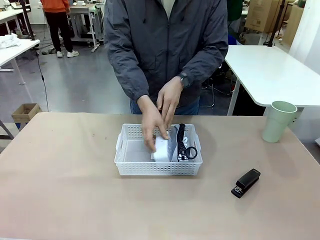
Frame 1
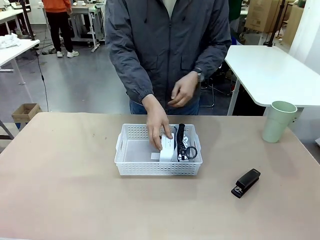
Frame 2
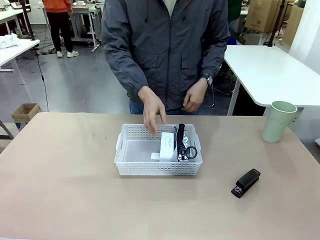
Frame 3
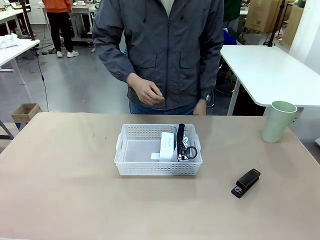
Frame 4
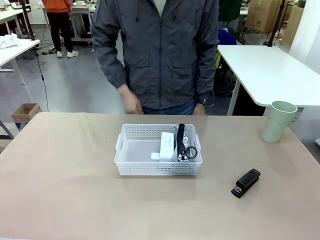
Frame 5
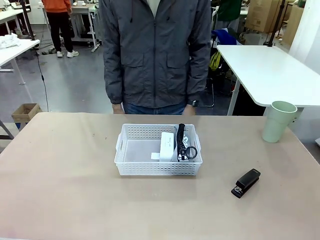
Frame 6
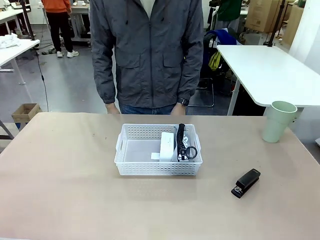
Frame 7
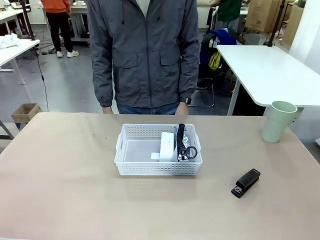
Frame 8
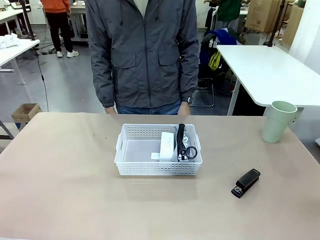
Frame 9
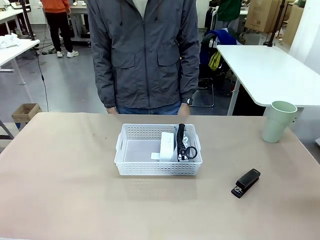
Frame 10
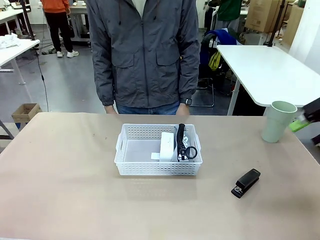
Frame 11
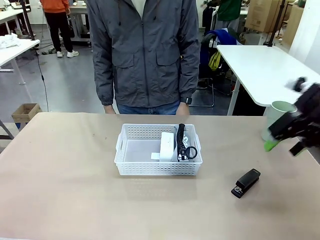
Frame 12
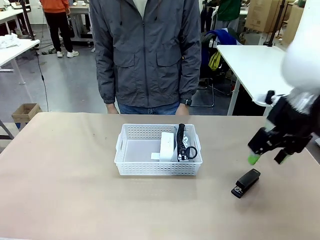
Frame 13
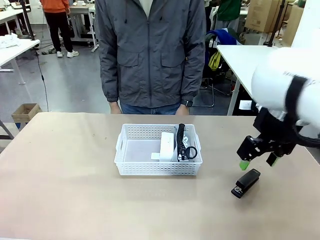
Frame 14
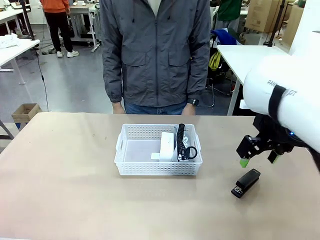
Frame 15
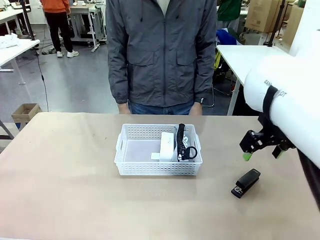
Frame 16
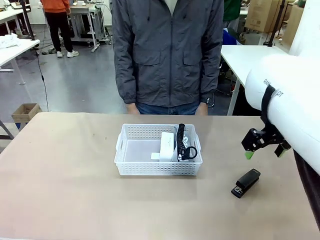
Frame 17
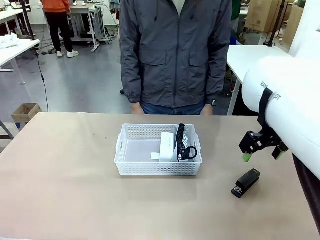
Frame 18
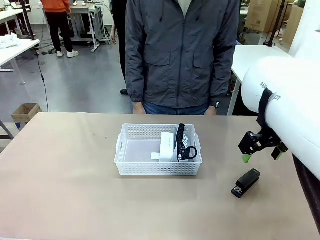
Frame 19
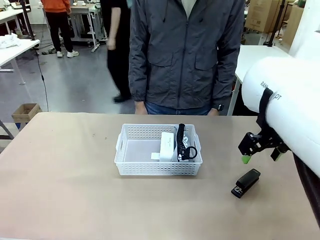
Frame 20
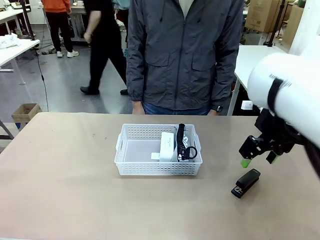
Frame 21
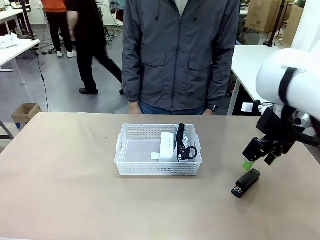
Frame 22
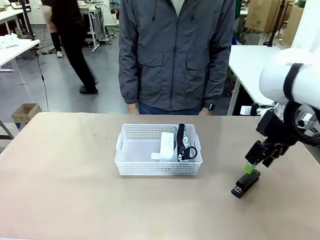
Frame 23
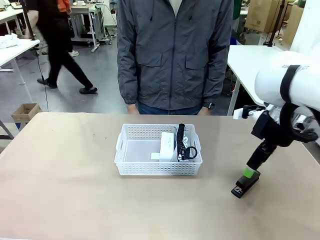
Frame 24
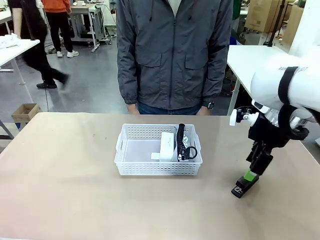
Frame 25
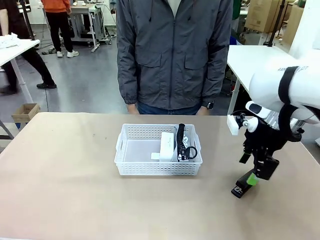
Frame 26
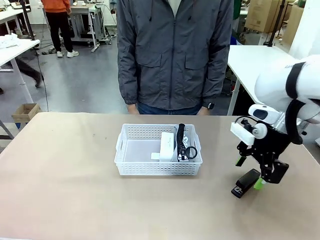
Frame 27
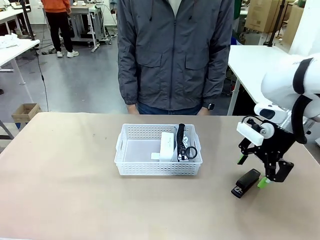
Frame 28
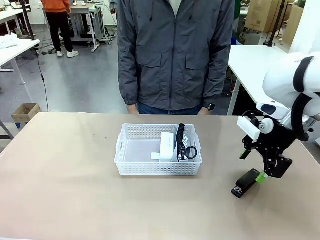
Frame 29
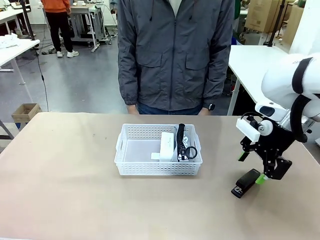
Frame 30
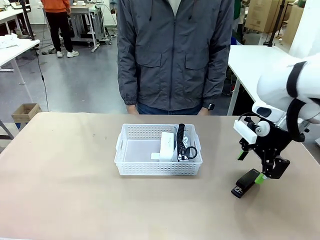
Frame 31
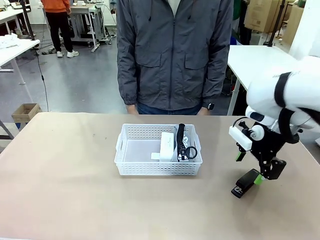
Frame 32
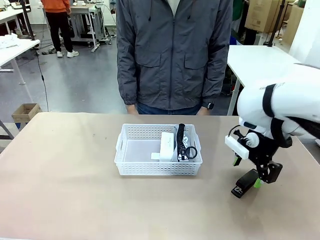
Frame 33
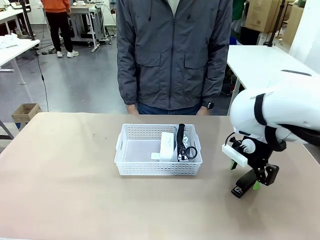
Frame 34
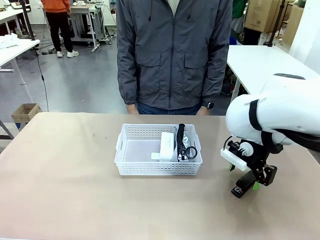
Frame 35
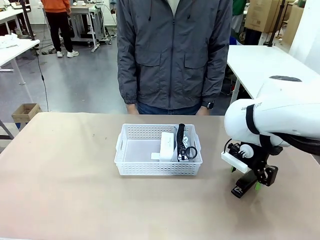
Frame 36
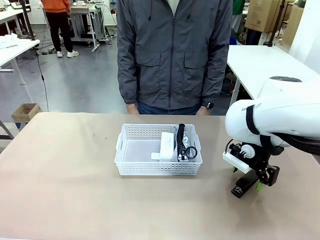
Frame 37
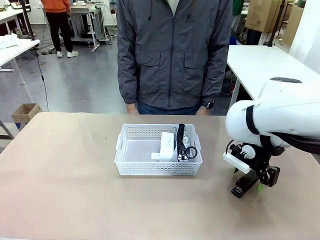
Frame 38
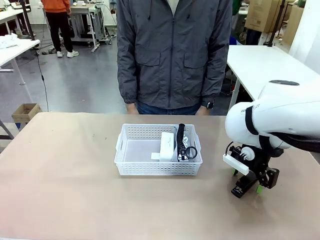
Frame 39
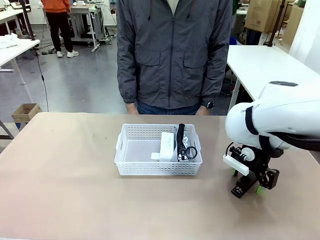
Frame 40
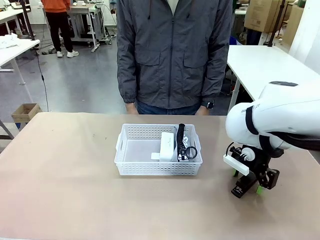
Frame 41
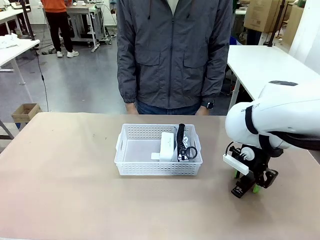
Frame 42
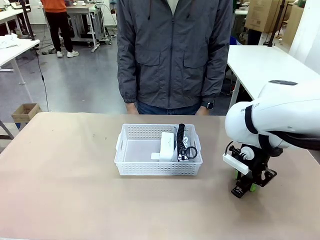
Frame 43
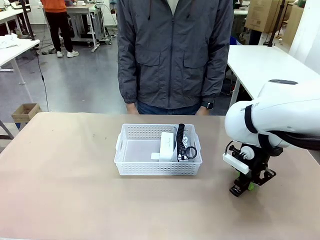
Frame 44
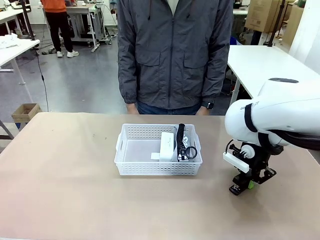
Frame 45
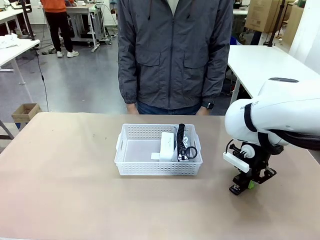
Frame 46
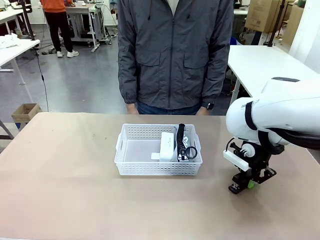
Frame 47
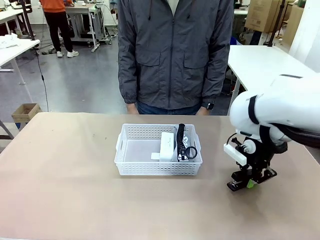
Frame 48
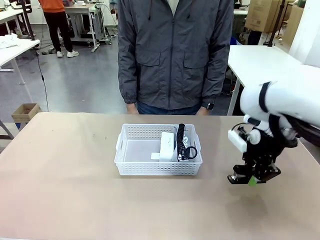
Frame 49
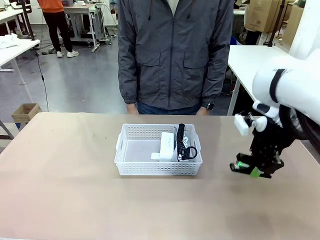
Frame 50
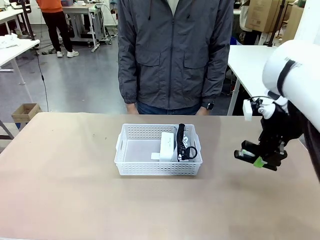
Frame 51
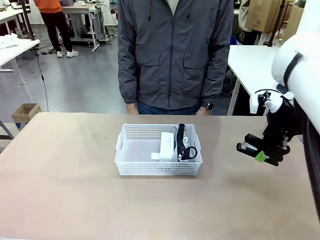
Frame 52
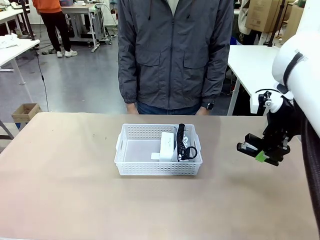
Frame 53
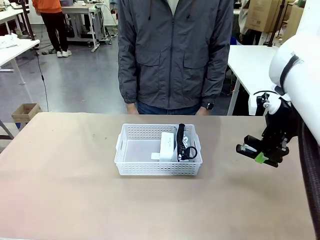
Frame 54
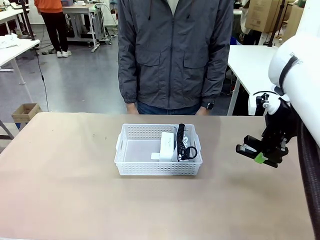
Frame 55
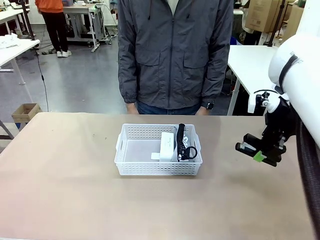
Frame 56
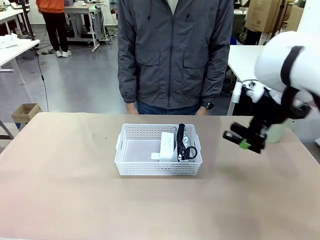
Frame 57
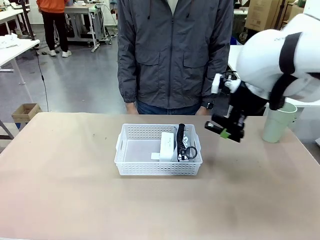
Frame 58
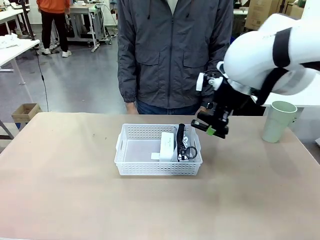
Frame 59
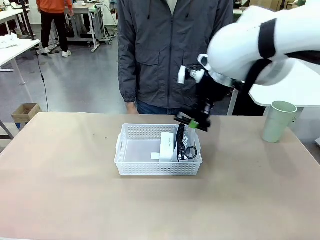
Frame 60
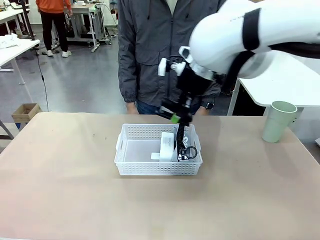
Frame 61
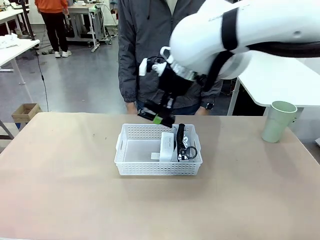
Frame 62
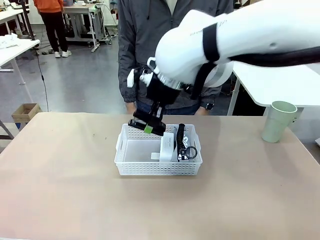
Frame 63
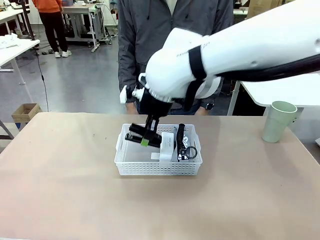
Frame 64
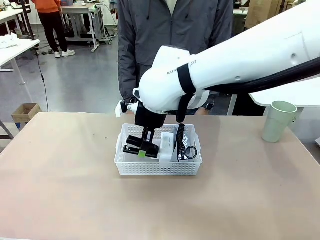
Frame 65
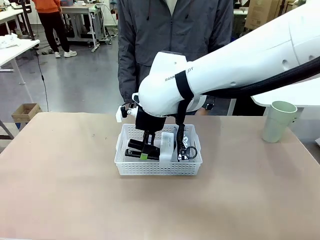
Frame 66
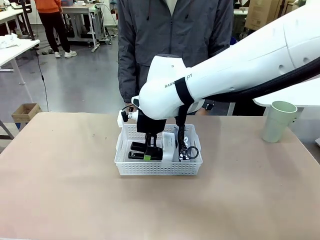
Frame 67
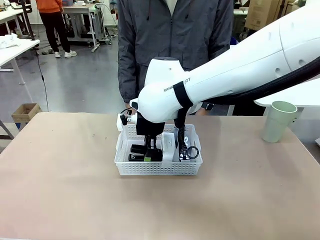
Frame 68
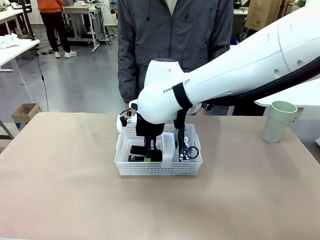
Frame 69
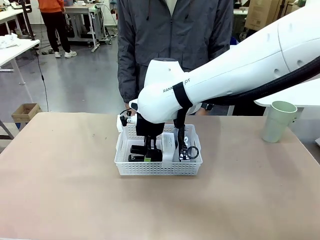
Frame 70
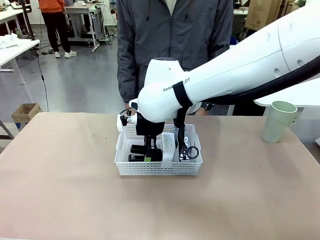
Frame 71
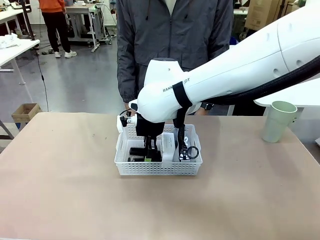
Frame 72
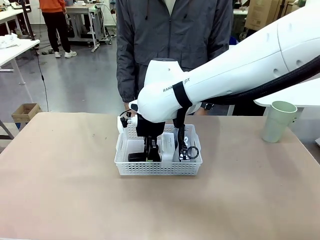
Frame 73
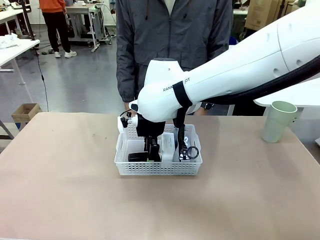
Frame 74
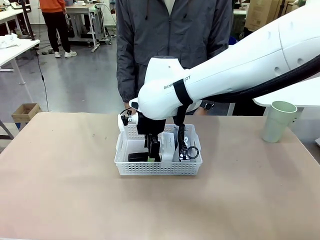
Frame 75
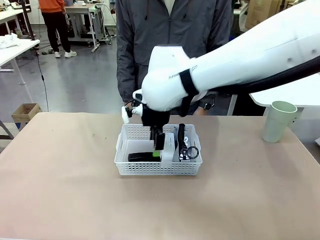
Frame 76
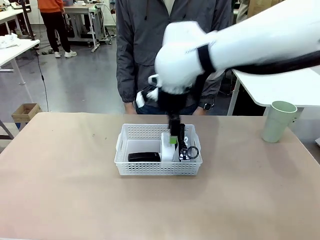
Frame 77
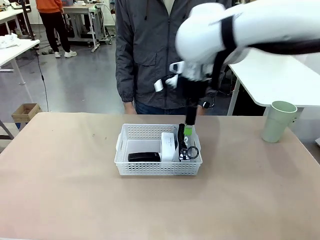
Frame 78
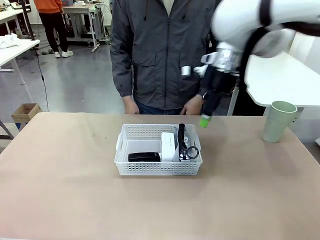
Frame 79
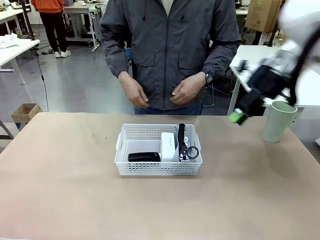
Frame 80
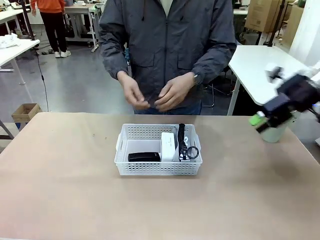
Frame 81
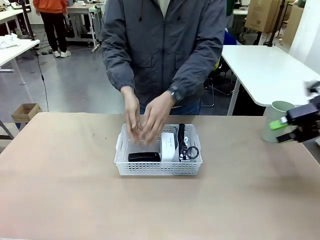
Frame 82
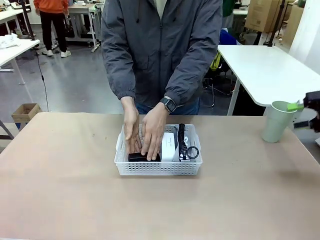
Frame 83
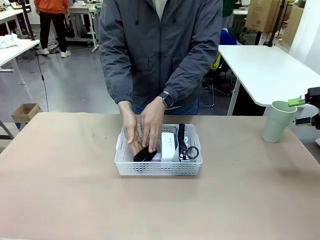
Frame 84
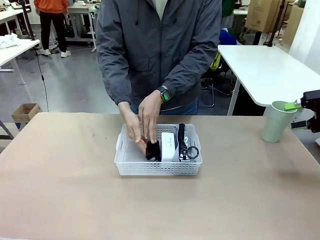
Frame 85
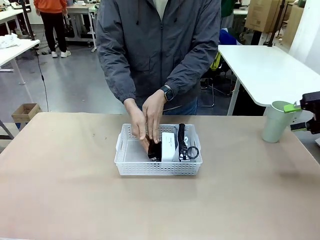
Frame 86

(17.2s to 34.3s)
Task: Efficiently arrange items inside the basket to fit them all.
Robot: Pick up the Stapler and place it inside the Organizing basket.
